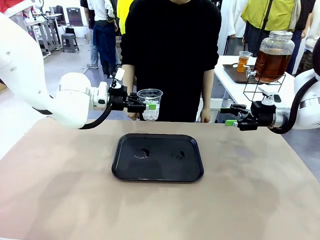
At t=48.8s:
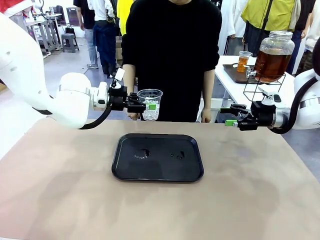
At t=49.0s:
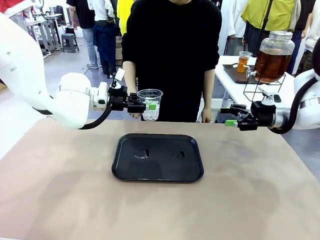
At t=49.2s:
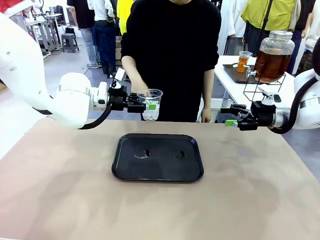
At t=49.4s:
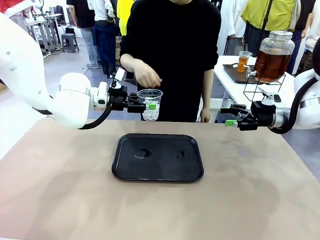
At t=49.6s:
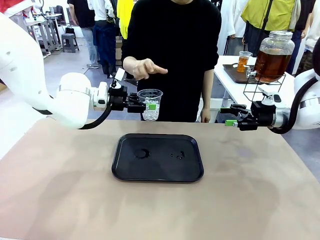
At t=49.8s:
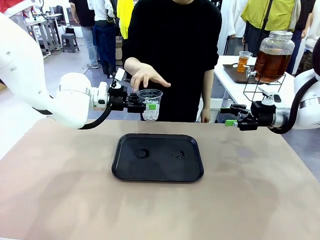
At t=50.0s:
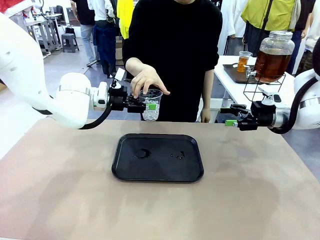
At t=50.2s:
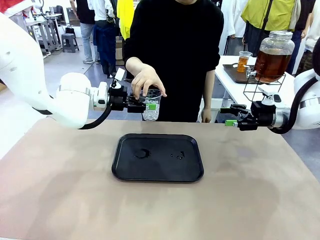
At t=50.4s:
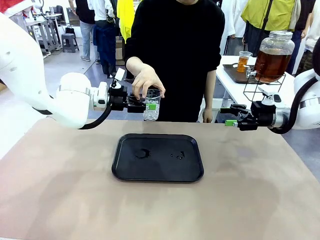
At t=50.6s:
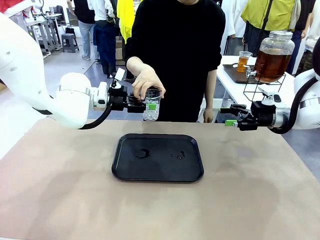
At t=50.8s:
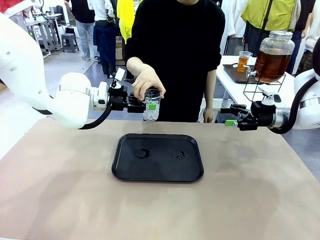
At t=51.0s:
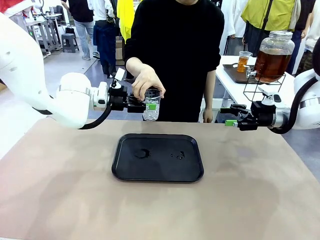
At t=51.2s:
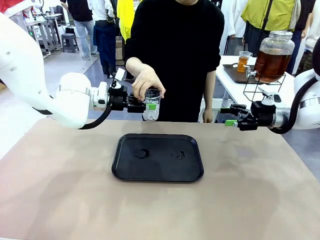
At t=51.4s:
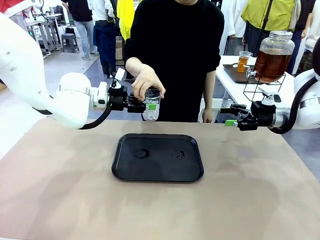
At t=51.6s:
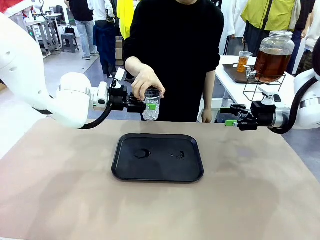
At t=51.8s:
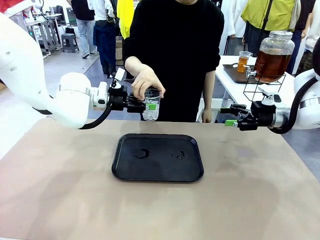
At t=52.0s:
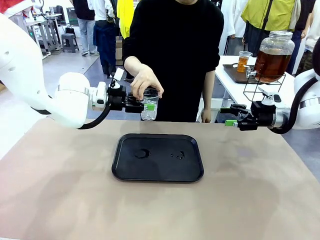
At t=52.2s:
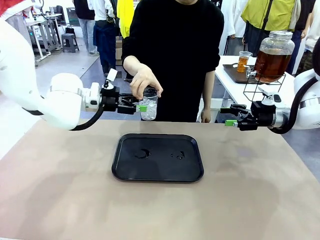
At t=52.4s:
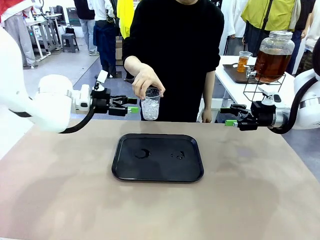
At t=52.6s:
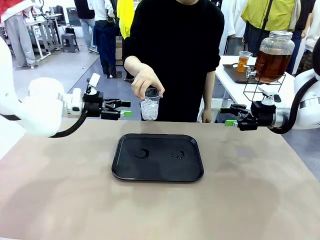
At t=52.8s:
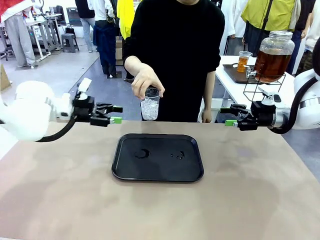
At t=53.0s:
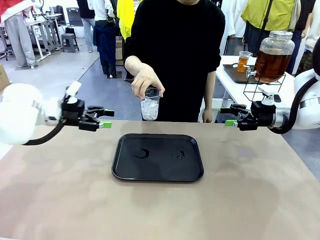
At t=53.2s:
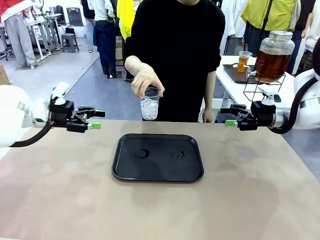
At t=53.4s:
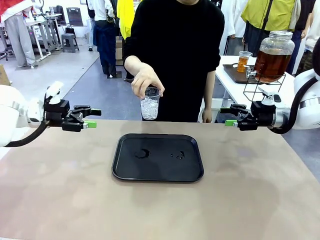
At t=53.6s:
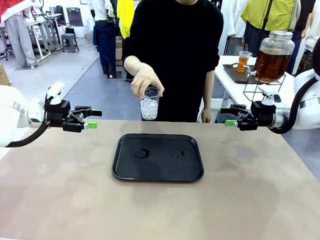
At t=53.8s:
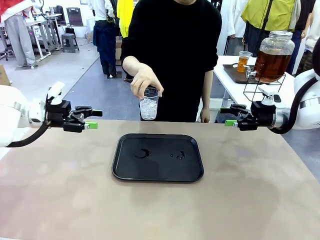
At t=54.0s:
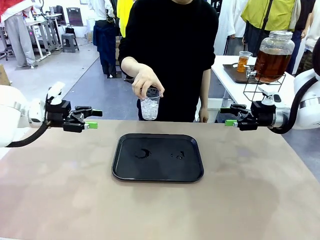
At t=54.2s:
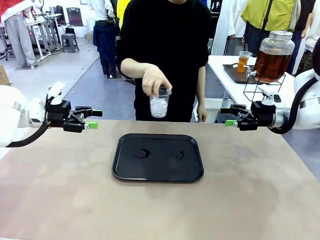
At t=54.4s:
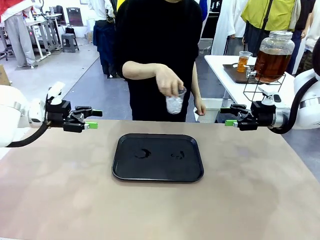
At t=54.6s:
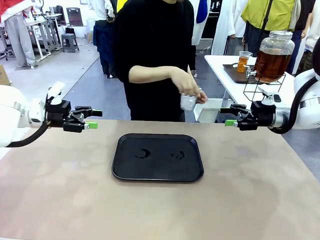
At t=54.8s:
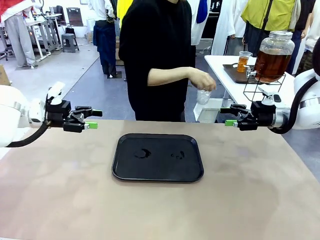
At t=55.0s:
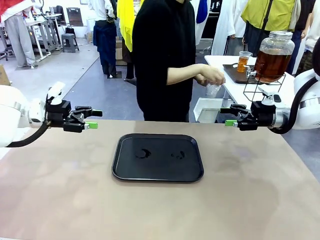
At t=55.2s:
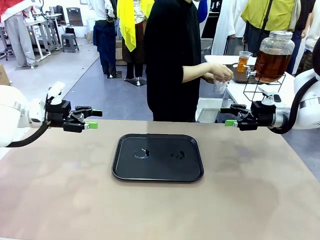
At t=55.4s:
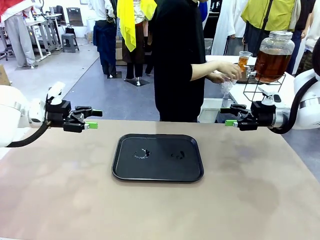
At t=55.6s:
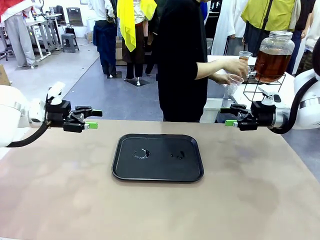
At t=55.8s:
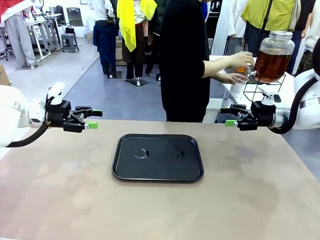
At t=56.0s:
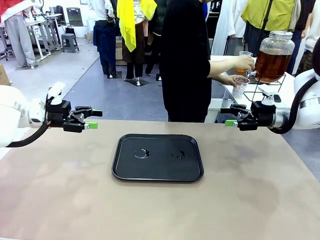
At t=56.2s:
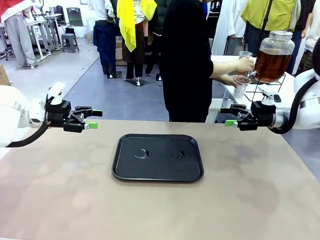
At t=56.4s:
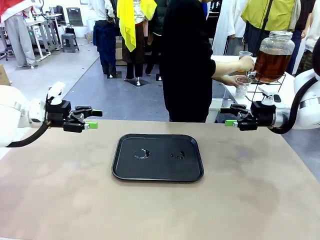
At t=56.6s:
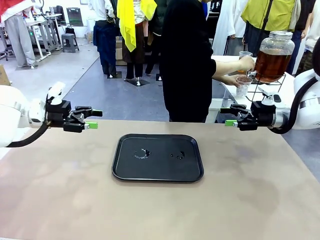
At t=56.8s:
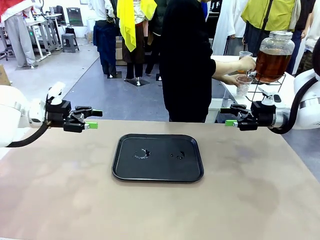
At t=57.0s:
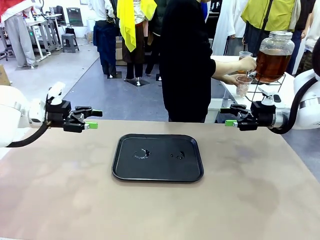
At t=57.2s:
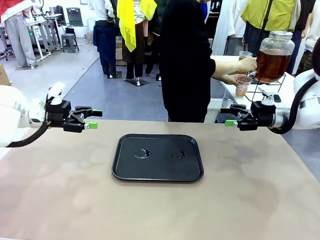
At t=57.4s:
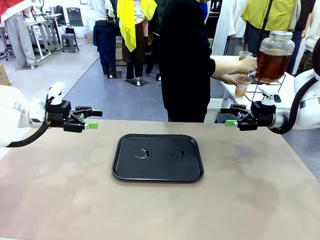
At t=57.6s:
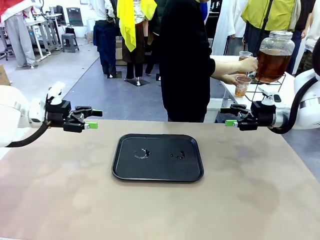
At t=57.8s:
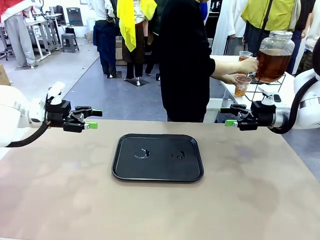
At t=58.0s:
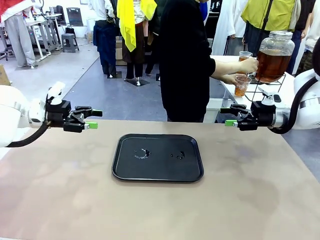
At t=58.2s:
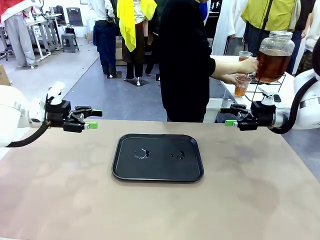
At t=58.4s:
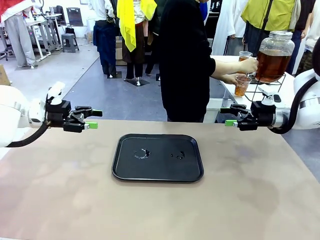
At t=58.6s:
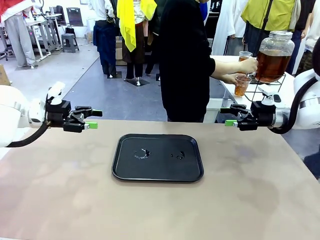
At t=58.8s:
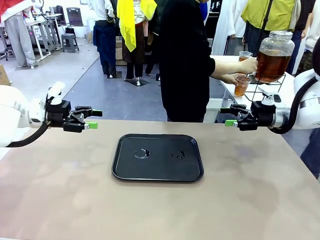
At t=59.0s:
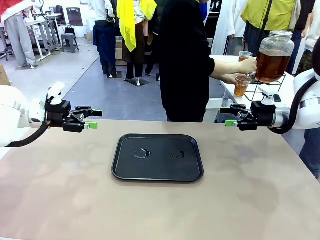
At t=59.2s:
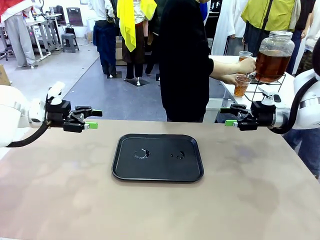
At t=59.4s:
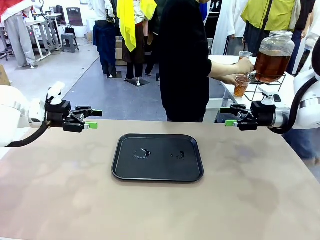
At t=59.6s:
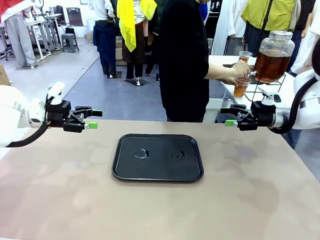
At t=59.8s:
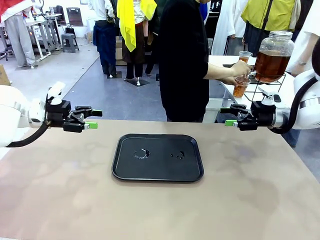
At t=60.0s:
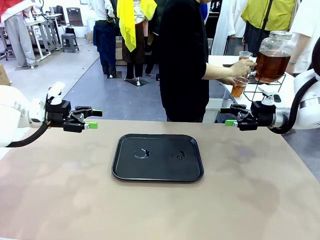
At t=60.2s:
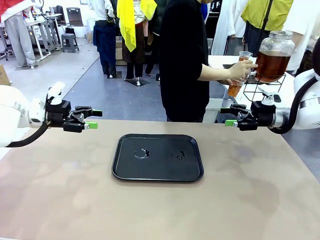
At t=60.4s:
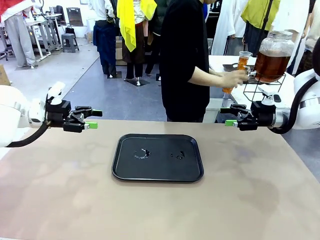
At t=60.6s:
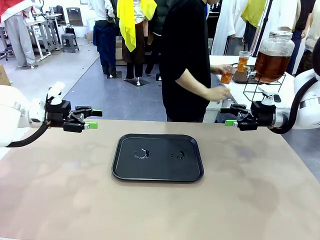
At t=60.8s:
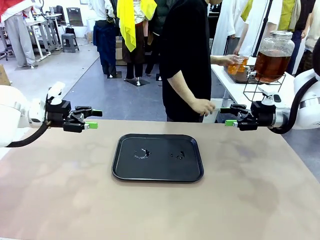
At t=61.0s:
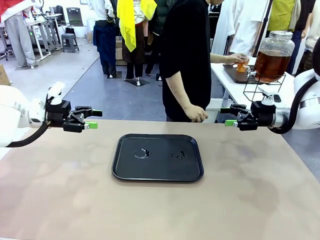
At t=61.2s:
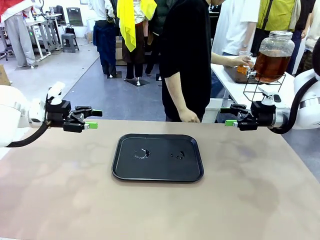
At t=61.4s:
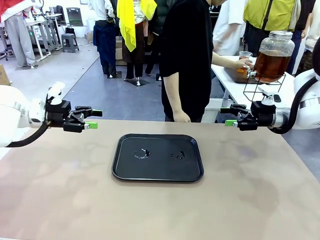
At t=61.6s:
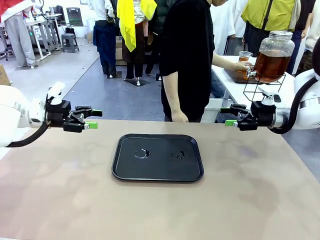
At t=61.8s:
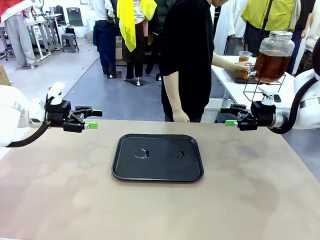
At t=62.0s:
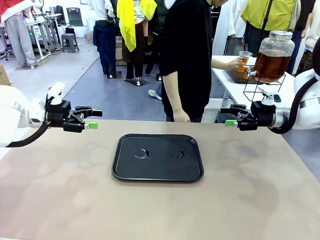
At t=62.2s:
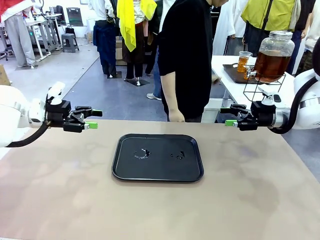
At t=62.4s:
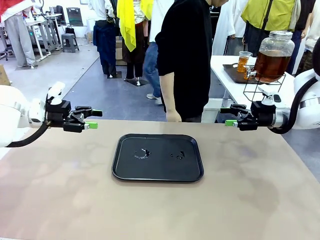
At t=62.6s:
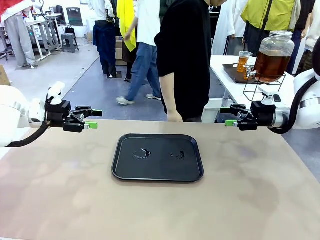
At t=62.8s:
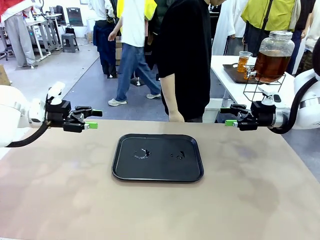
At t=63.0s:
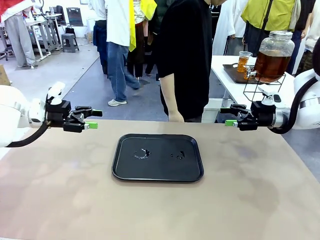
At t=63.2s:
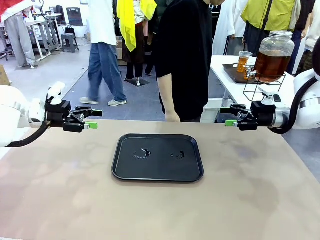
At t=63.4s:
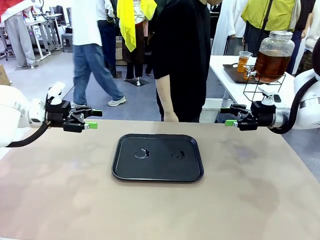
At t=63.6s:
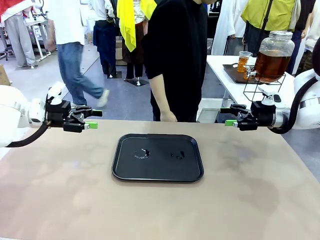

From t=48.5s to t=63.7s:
Task: Pour the drink into the iced cup.
Robot: Open the gripper to release the iced cup you were holding.
Person: Move the picked-up cup under the dispenser faucet, pour the drink, and place it on the tray on the human table.

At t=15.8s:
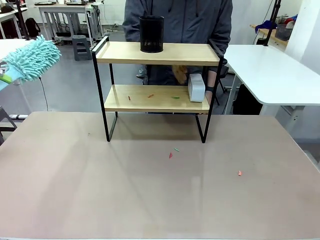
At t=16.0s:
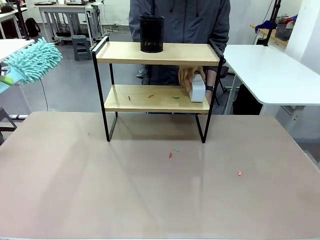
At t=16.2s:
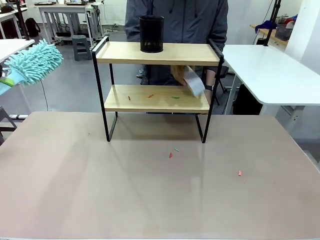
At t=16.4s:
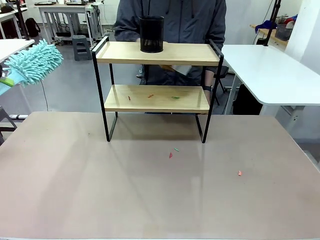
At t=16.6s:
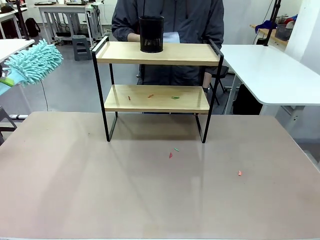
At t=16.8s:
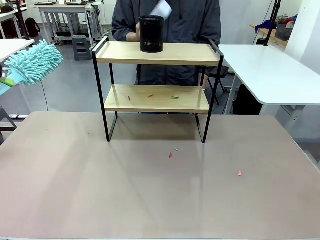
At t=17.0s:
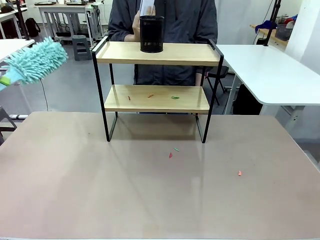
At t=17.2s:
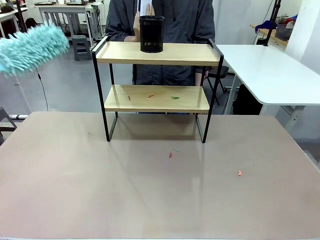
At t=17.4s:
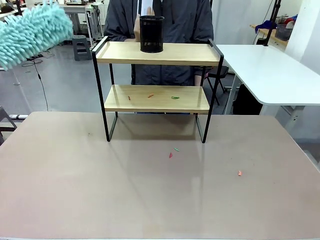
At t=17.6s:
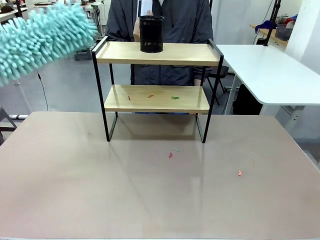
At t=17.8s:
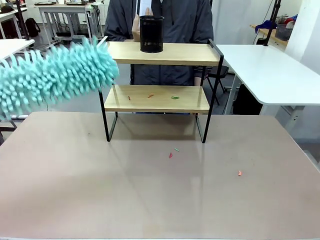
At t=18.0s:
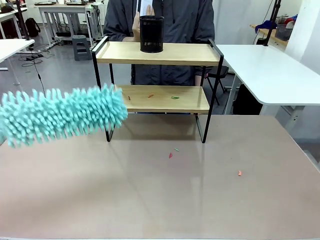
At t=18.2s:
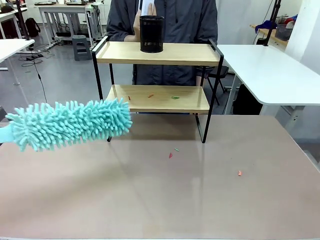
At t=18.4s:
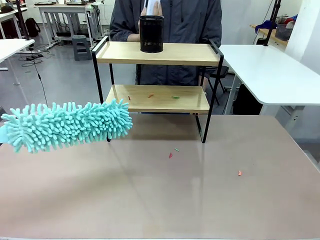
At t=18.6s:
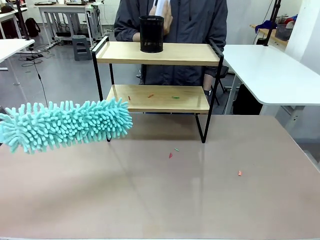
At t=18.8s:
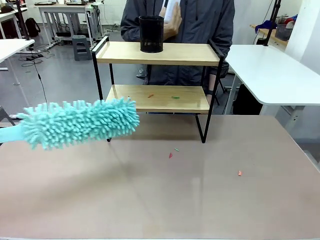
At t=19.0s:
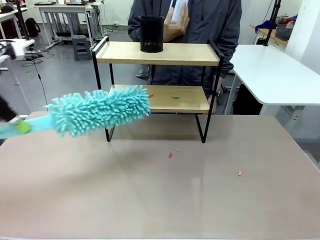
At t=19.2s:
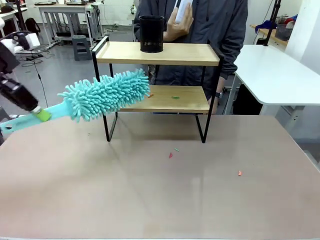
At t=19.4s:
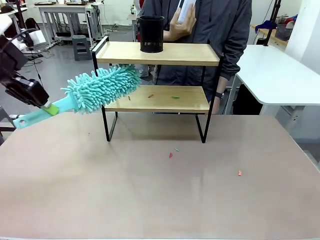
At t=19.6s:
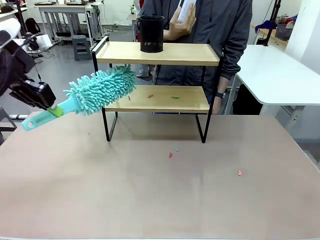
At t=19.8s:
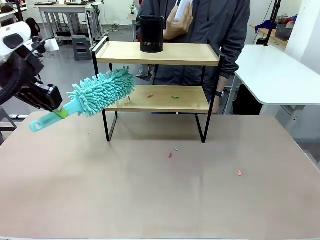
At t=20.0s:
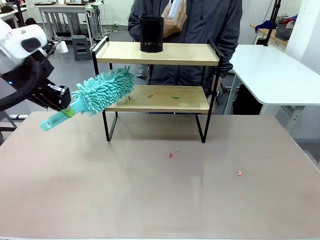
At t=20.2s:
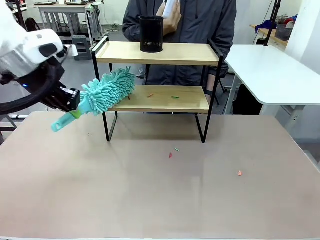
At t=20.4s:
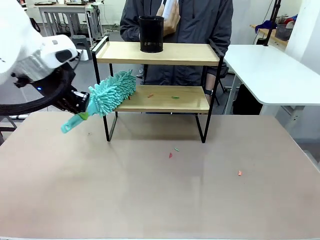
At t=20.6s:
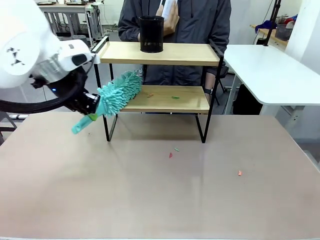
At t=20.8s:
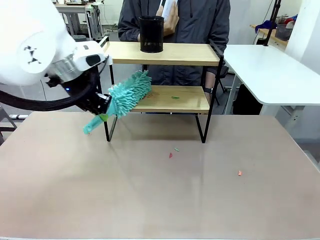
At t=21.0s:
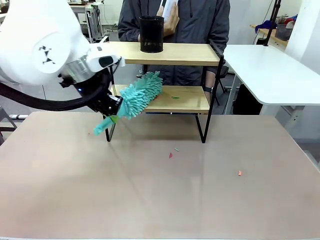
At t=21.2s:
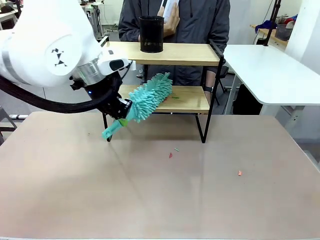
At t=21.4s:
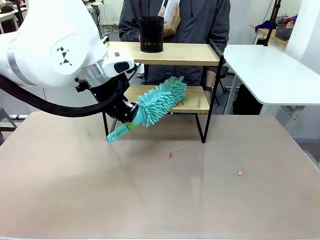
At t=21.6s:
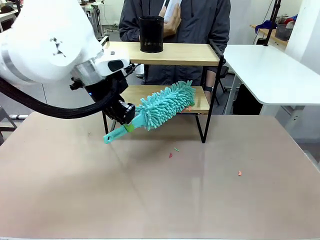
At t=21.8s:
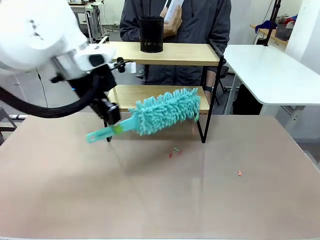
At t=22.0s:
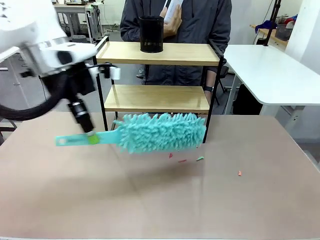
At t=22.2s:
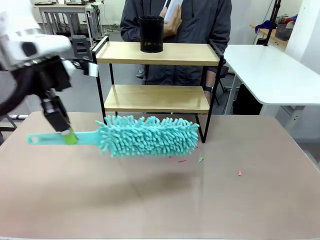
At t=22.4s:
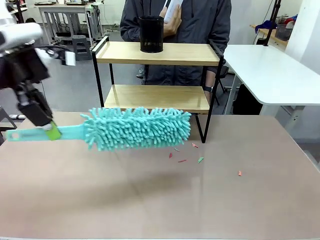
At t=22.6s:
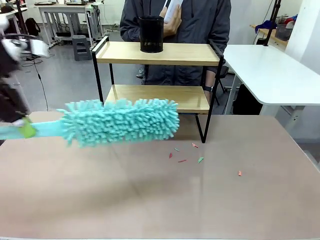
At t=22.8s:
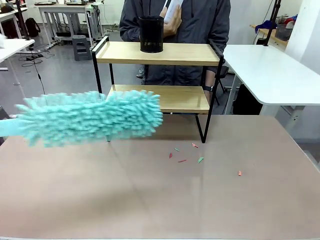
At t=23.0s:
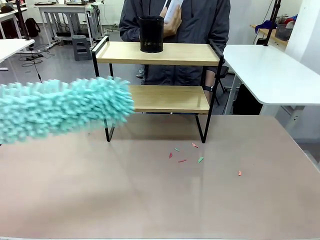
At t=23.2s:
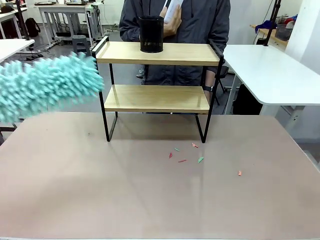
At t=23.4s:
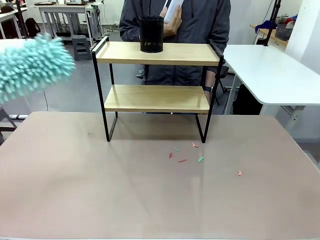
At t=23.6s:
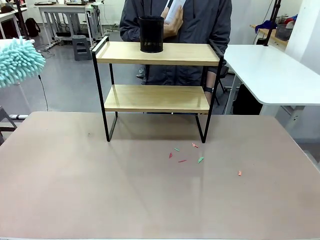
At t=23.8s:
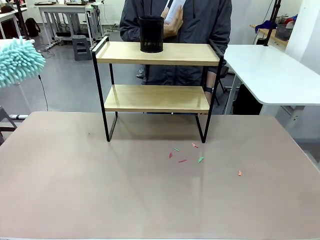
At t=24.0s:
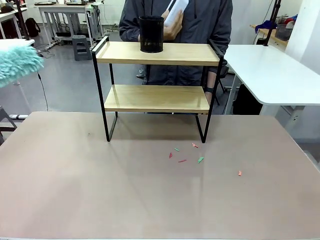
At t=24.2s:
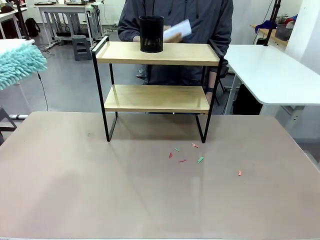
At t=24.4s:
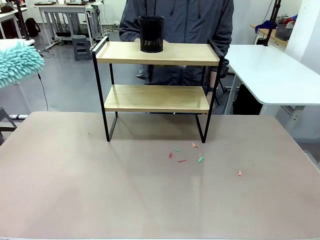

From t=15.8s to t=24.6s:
Task: Clean the shelf.
Robot: Clean the remaining tier of the Shelf with the Duster once objects are removed.
